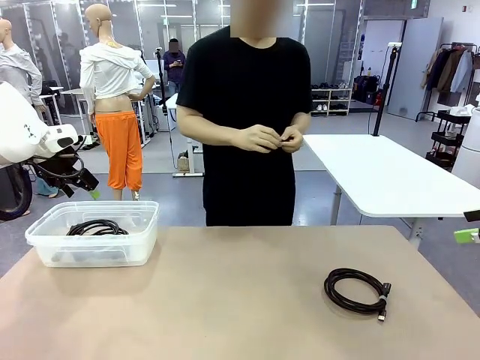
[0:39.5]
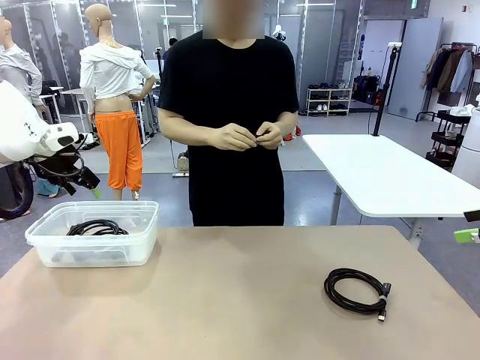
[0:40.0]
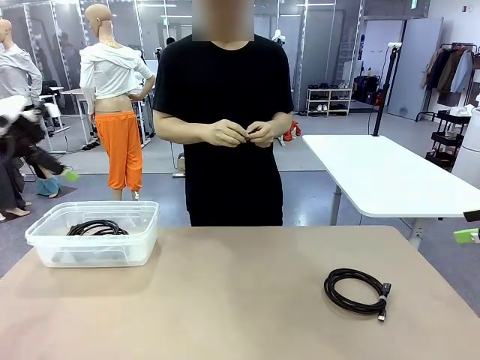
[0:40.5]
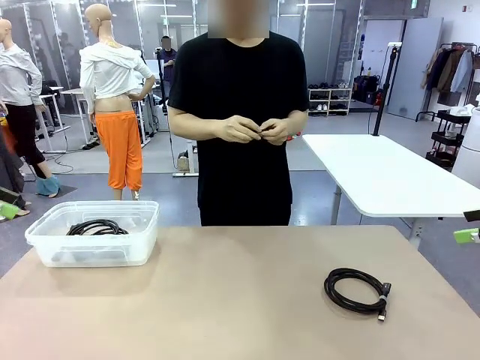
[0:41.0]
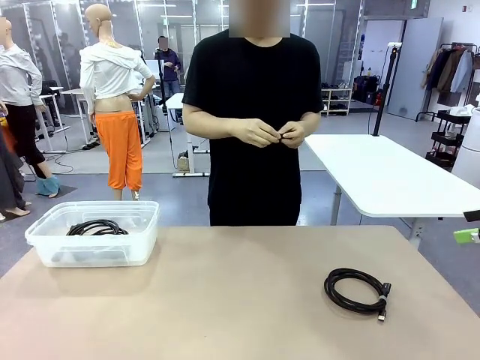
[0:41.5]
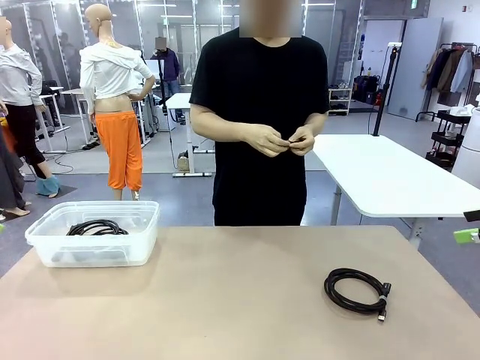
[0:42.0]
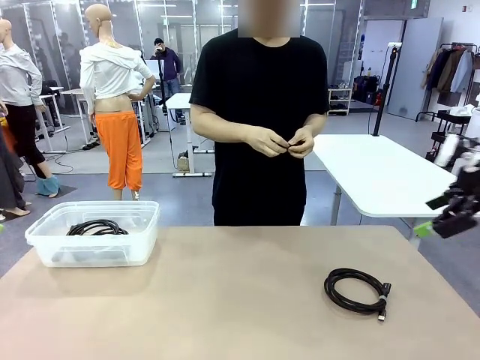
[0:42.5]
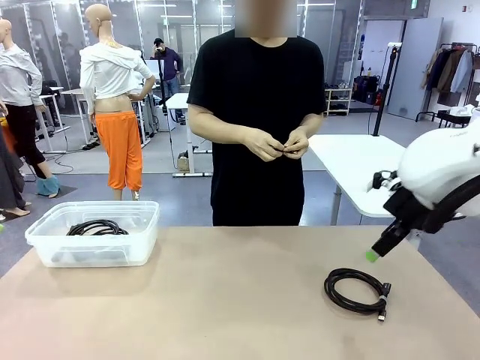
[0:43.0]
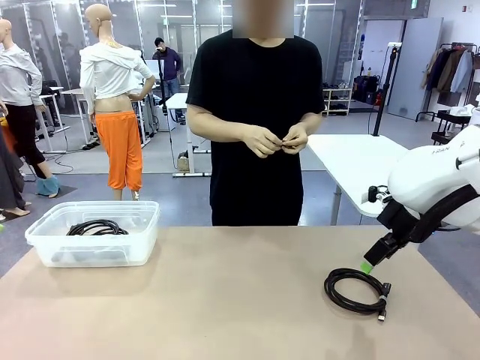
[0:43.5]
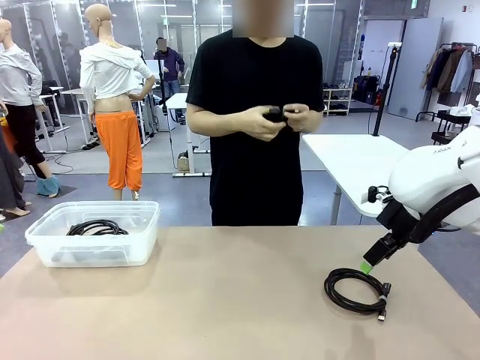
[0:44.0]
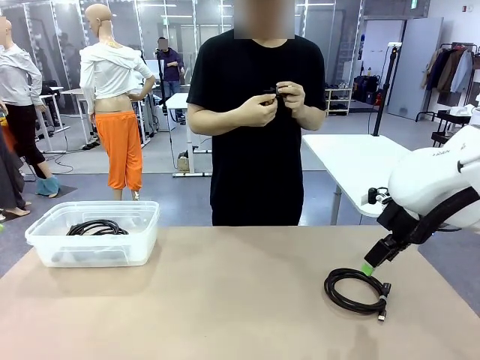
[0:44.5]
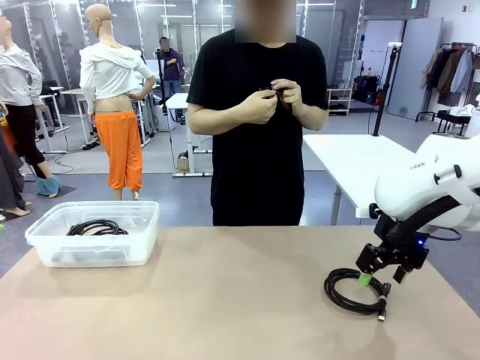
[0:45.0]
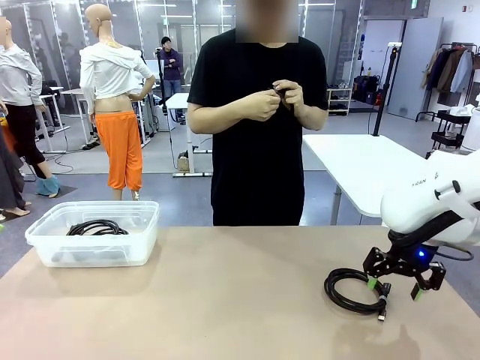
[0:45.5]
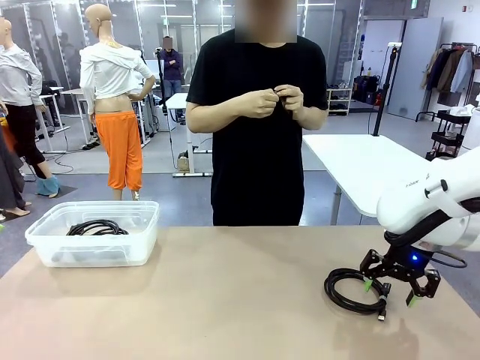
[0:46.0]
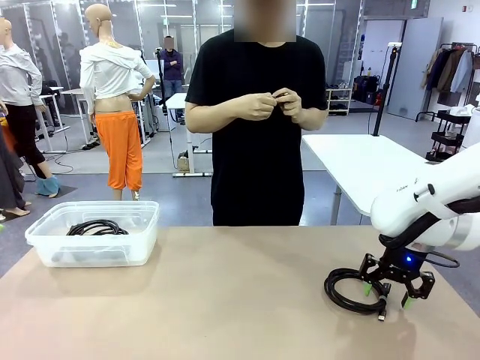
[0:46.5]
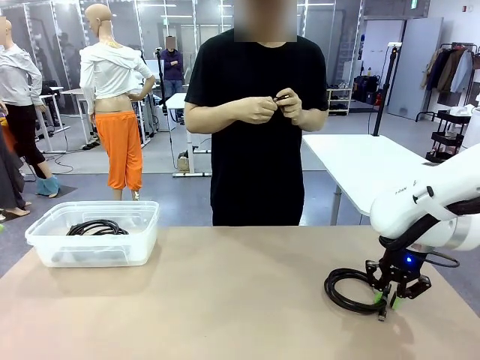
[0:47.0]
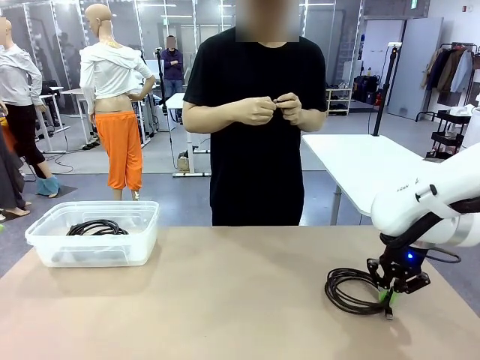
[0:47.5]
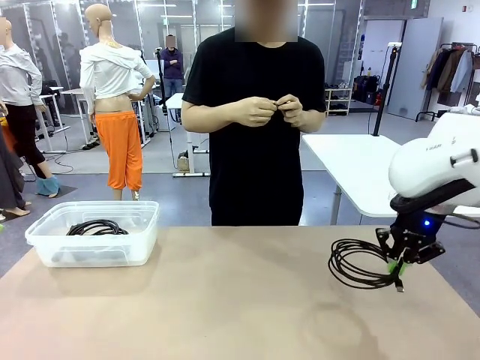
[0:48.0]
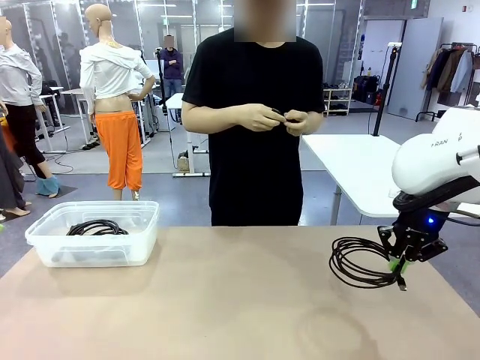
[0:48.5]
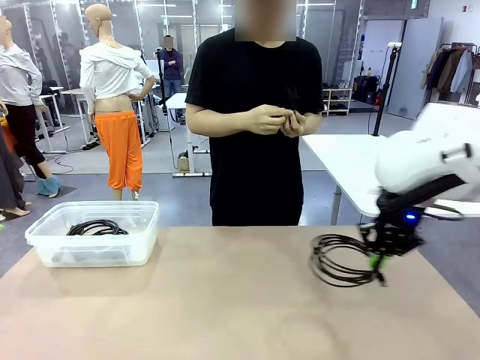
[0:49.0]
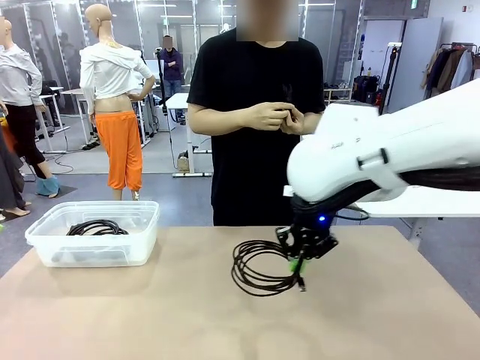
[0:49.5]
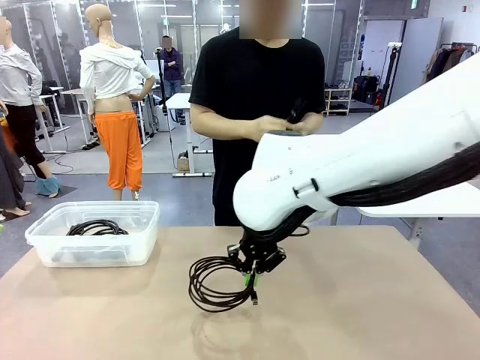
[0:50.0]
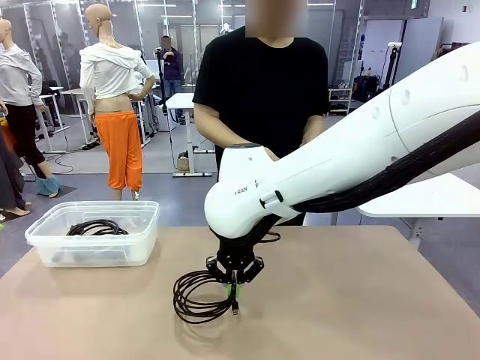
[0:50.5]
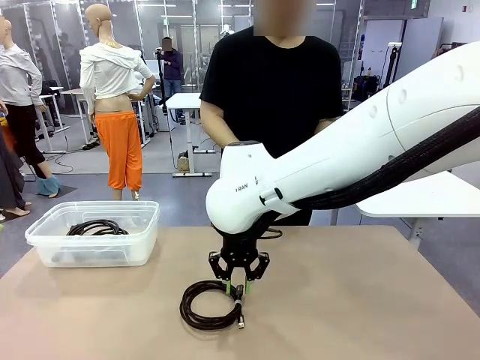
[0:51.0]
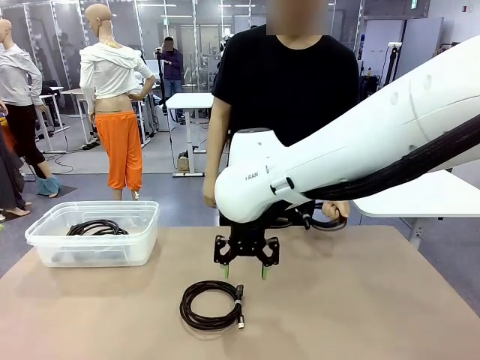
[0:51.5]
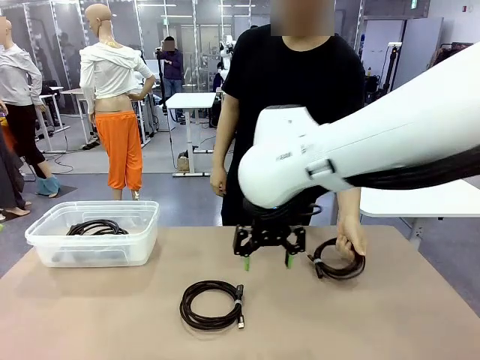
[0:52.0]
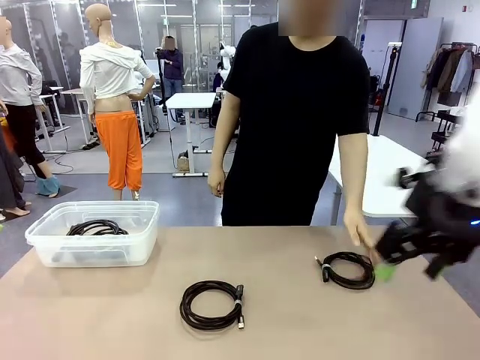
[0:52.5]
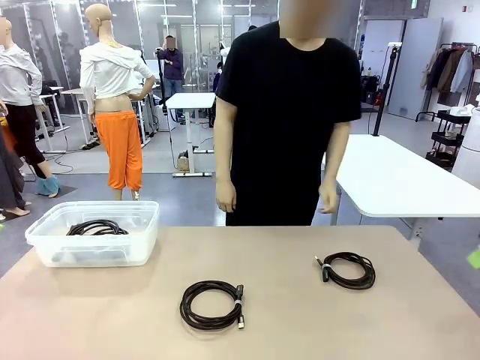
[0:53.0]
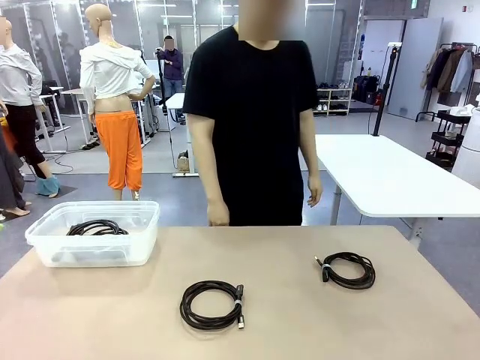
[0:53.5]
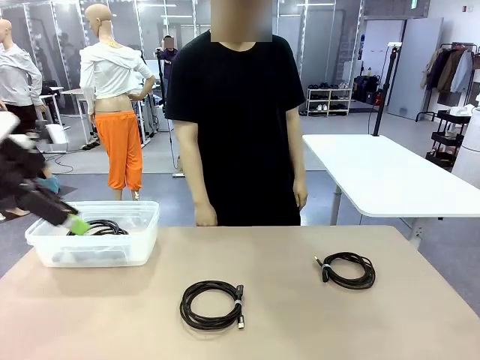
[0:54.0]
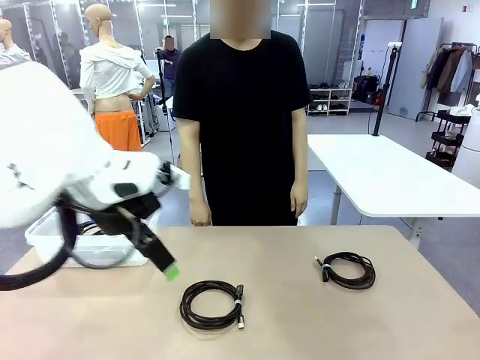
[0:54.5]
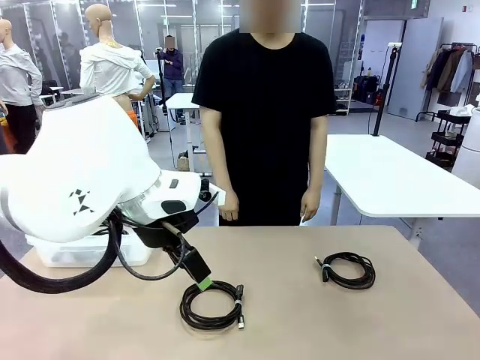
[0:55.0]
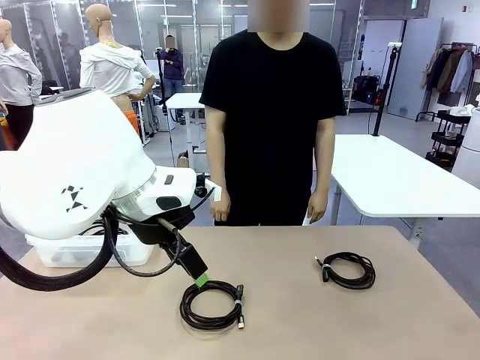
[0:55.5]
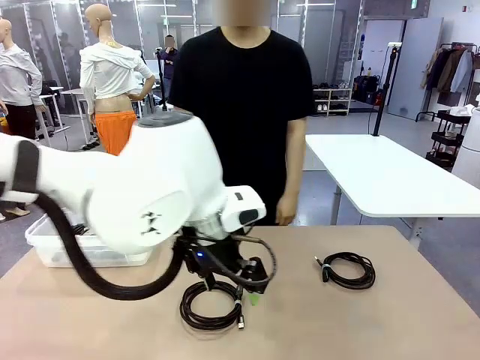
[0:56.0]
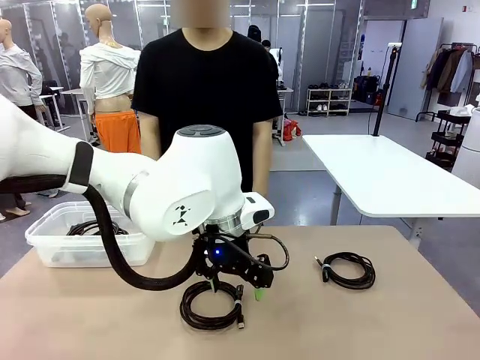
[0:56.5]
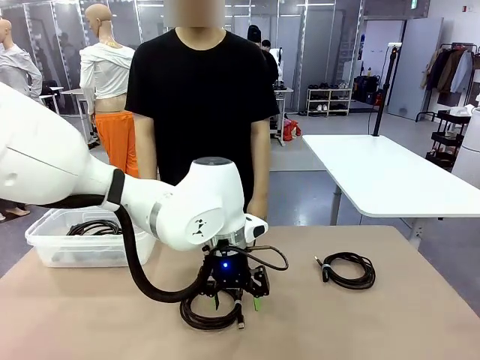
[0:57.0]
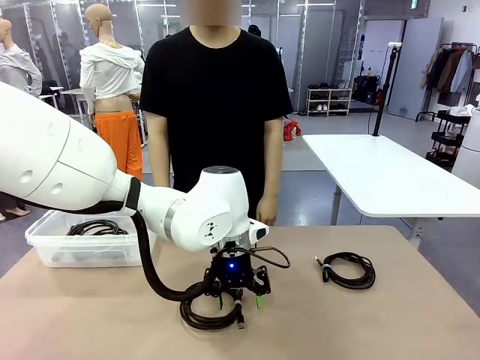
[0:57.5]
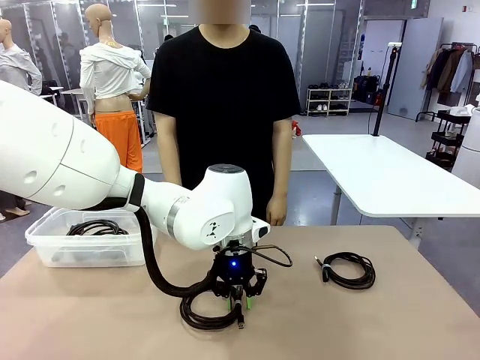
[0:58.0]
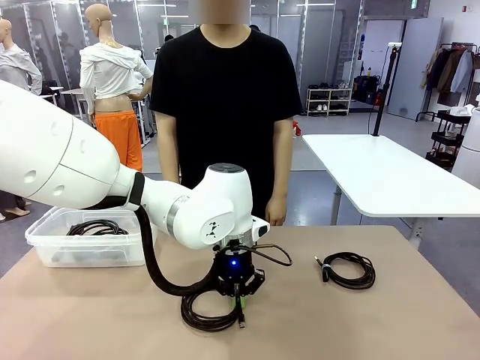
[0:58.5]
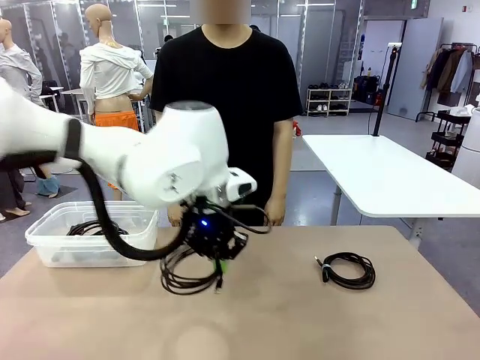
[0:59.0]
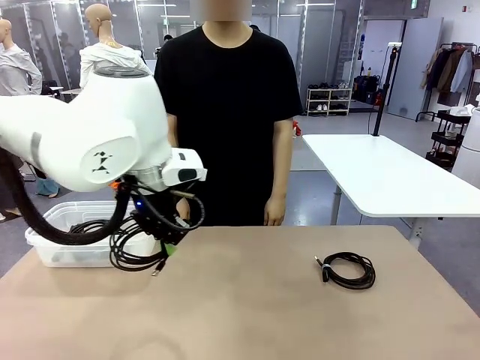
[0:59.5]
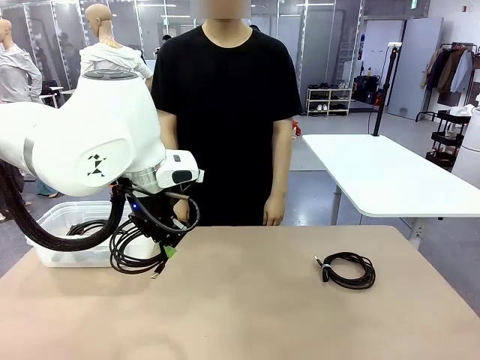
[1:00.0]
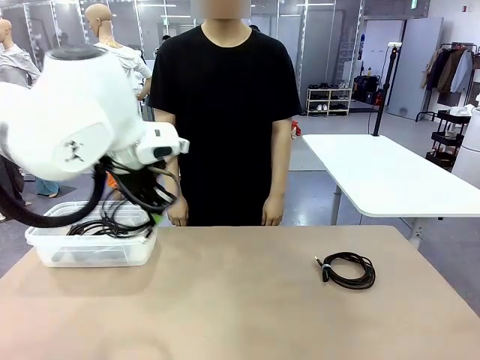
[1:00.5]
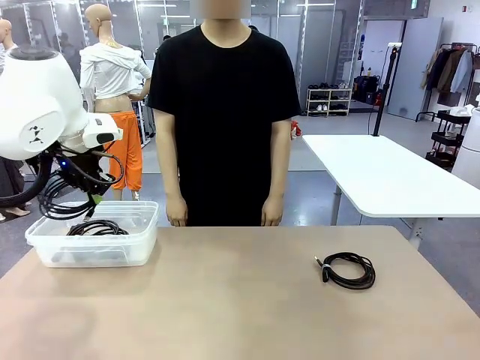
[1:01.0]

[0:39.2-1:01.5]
Task: Organize and store the cables.
Robot: Place the USB Extension Cable into the Organizing box.
